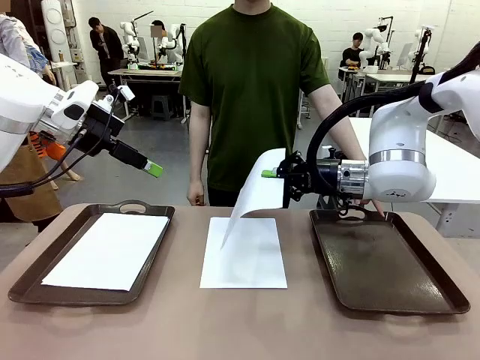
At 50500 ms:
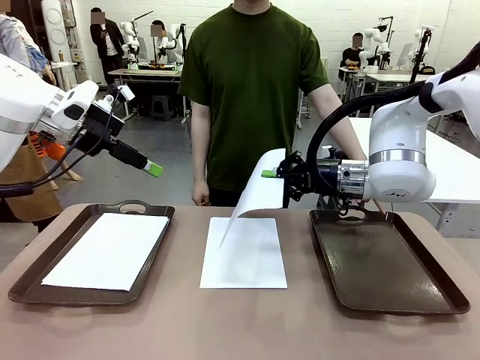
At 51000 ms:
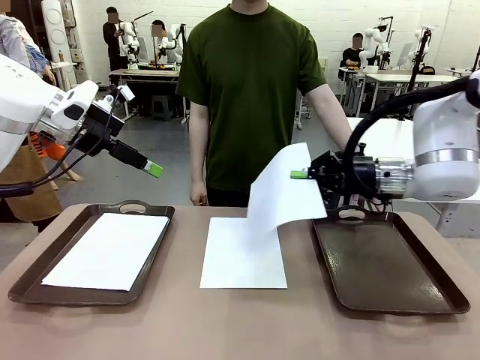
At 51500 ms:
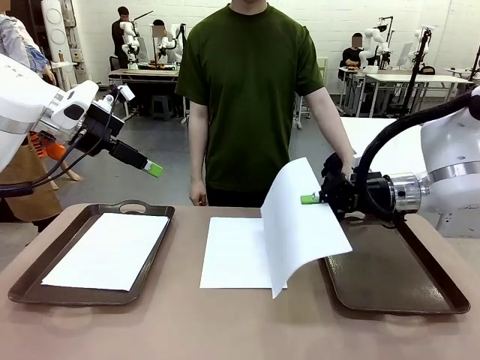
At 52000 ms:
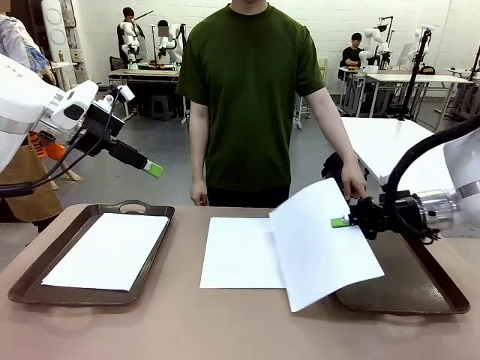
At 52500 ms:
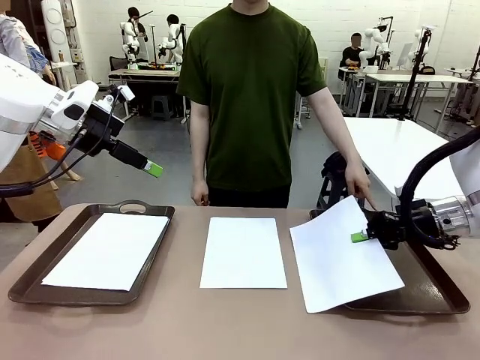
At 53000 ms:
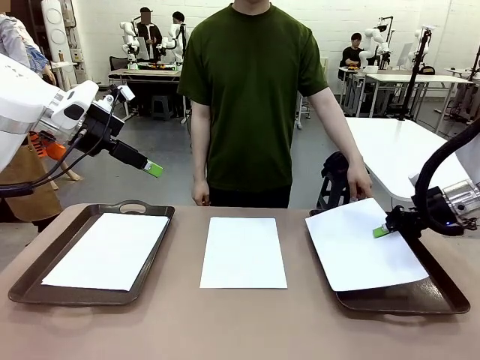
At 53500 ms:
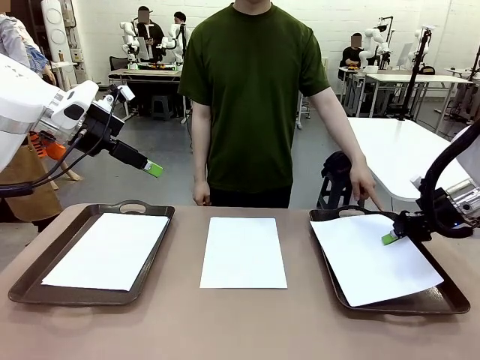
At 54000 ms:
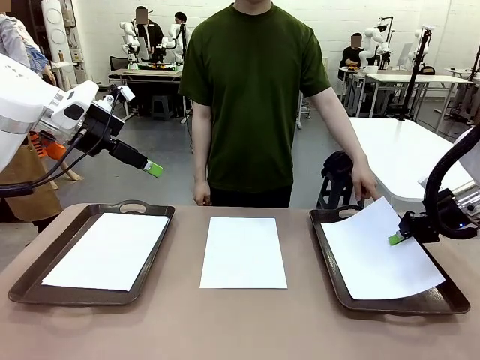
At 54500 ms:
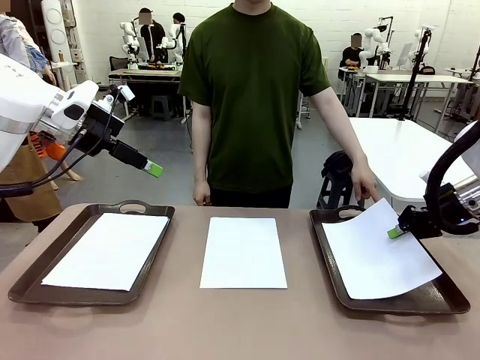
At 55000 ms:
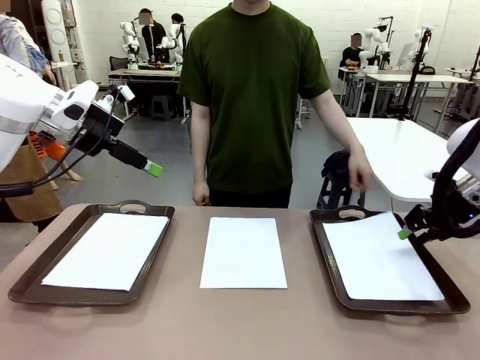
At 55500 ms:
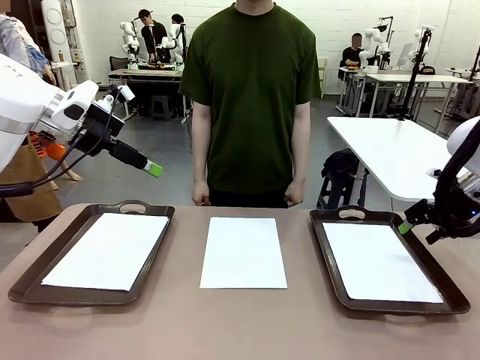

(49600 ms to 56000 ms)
Task: Sort the A4 documents.
Robot: Place the A4 Paper in the designated Handle tray.

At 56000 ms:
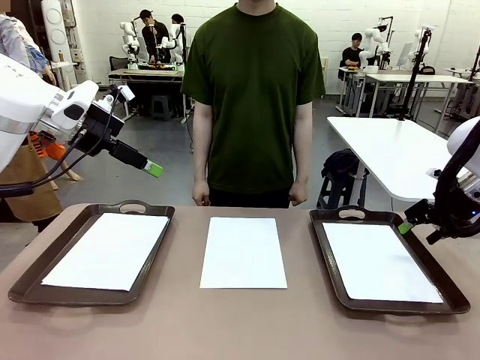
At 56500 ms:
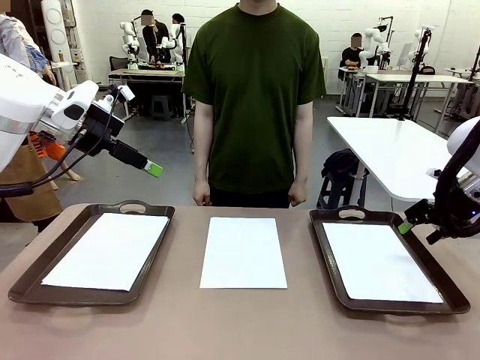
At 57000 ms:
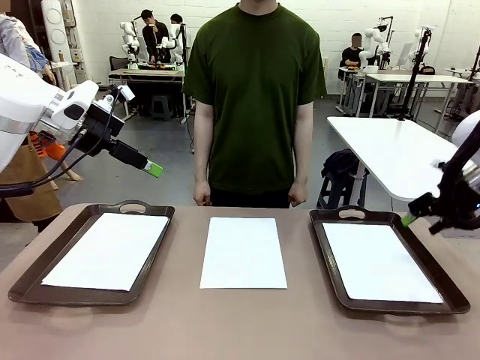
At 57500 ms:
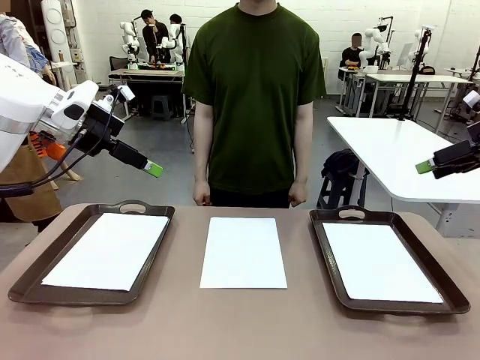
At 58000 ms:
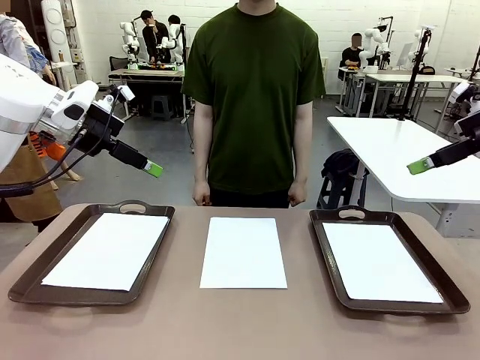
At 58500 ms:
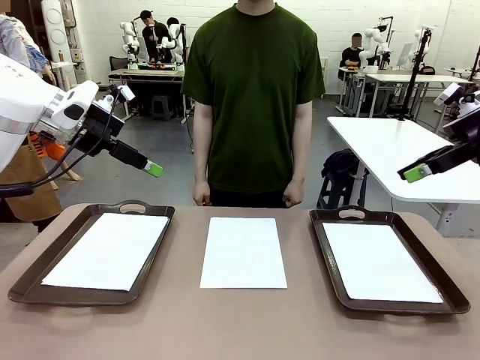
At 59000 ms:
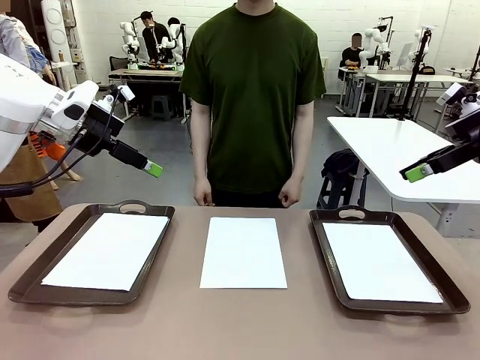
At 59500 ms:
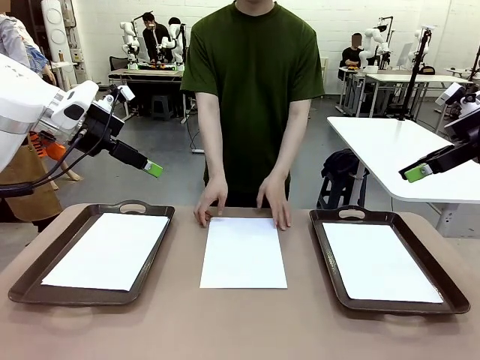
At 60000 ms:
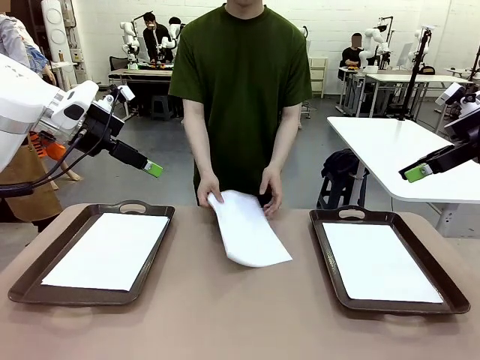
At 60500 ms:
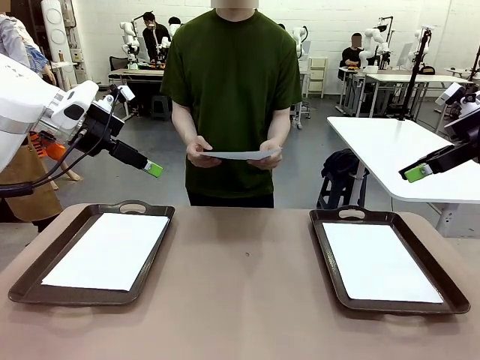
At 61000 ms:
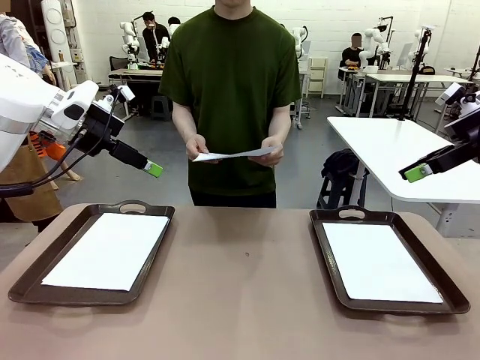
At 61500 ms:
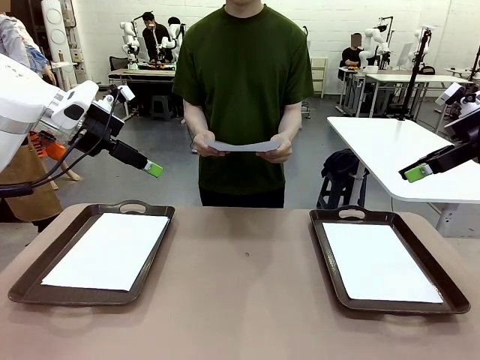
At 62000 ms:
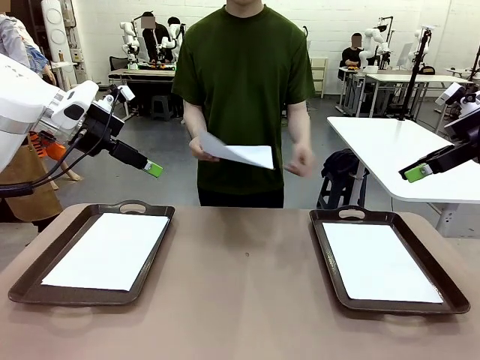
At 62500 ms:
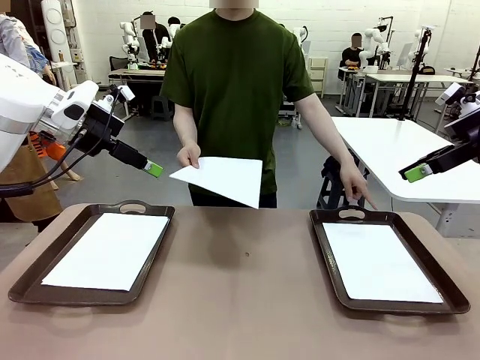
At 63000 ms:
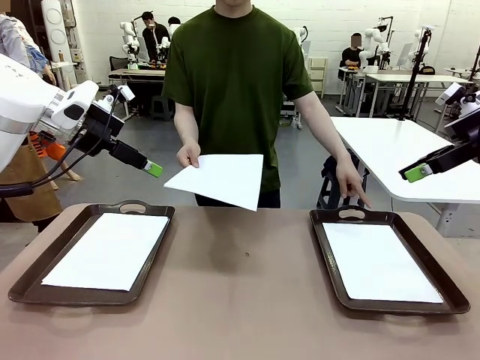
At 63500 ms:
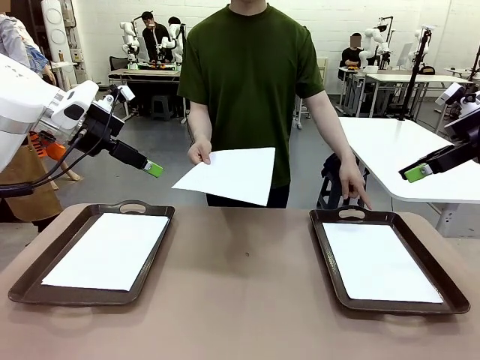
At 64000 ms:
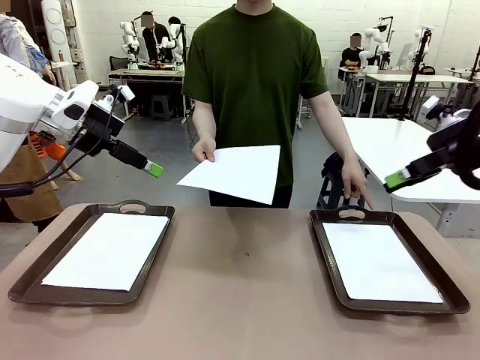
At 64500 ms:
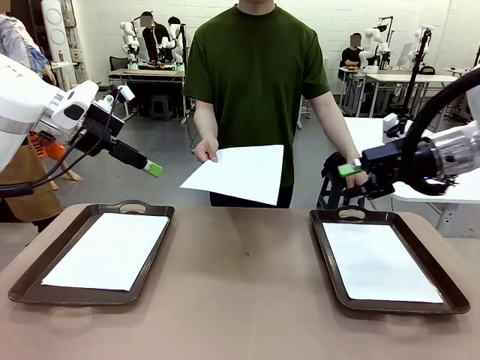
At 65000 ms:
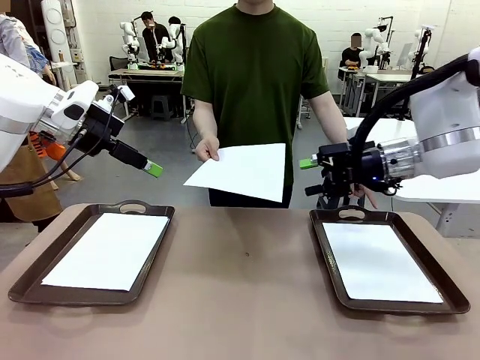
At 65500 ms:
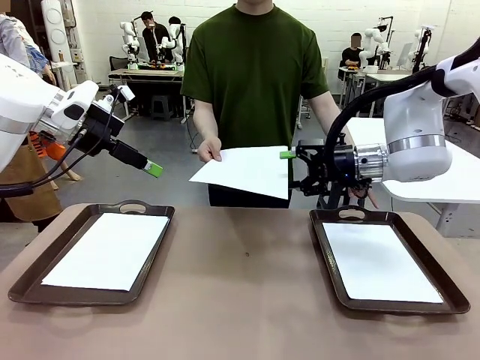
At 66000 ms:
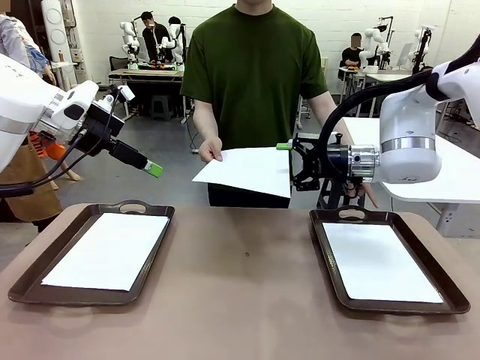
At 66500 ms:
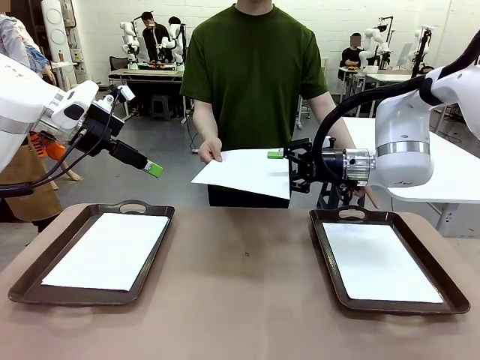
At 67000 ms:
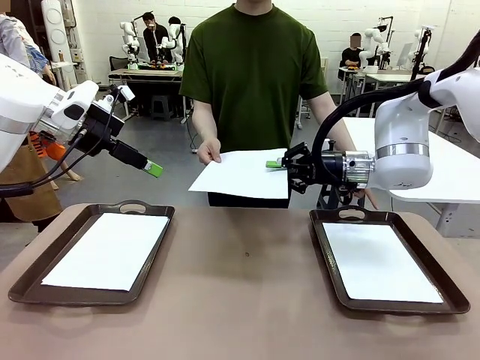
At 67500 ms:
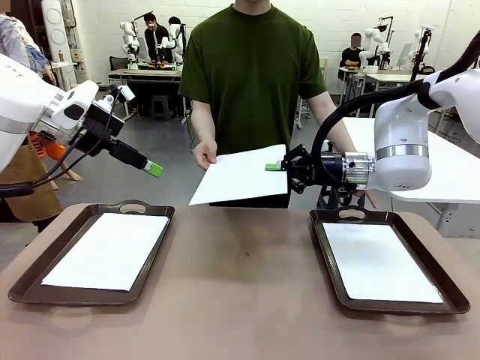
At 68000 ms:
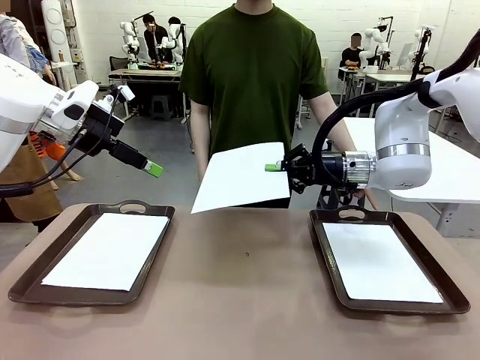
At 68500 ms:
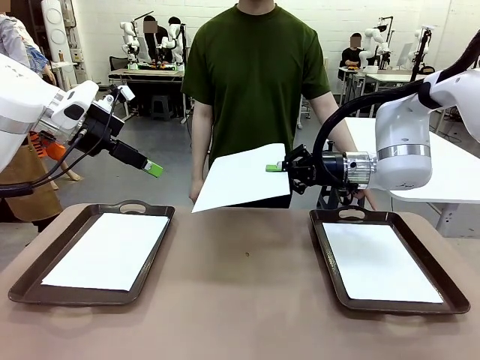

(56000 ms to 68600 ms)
Robot: Receive the A4 Paper.
Person: Point the randomly selected tray with the other hand.

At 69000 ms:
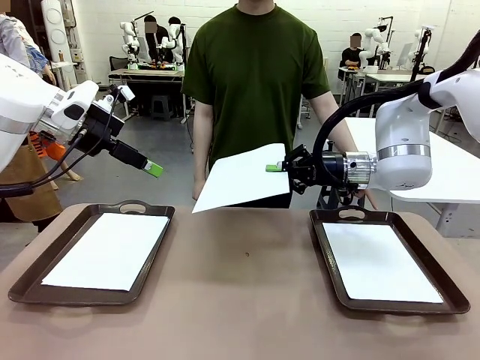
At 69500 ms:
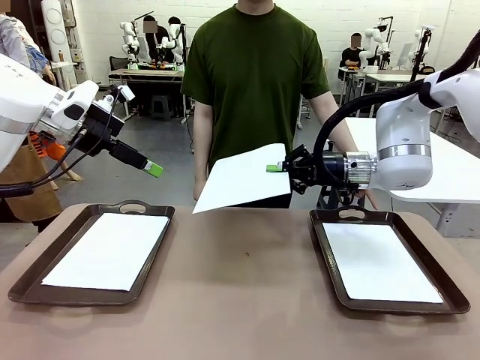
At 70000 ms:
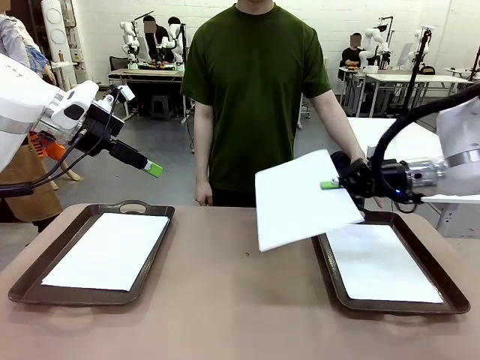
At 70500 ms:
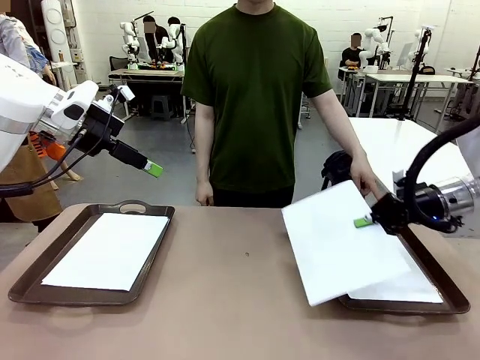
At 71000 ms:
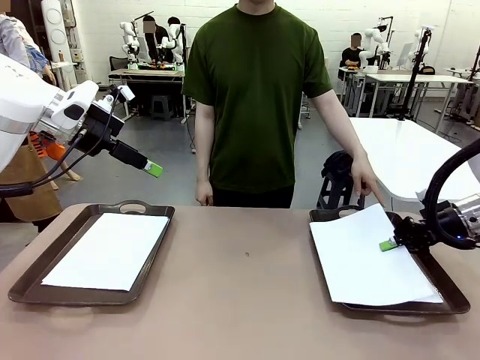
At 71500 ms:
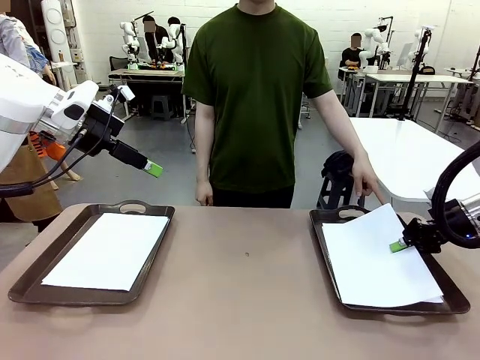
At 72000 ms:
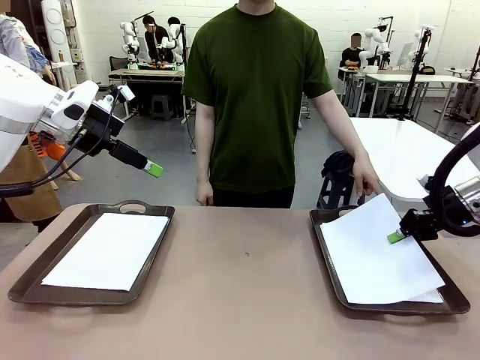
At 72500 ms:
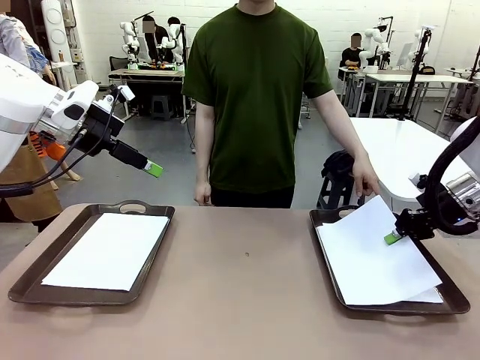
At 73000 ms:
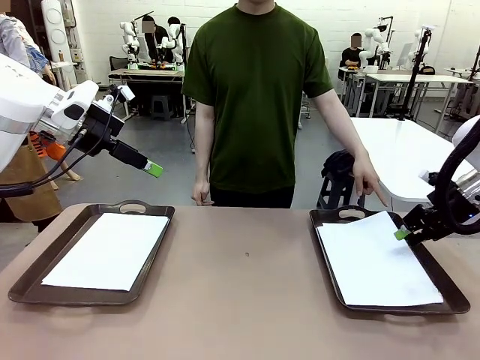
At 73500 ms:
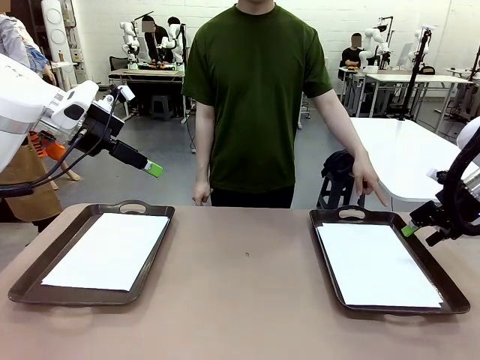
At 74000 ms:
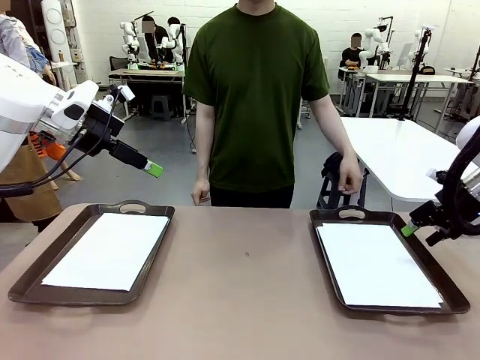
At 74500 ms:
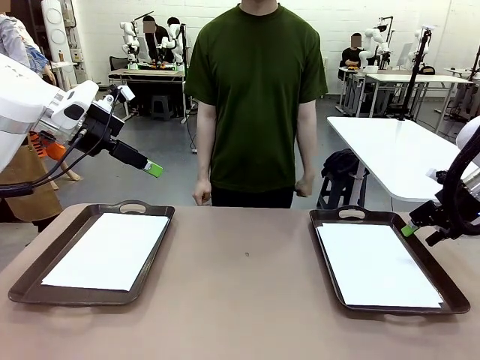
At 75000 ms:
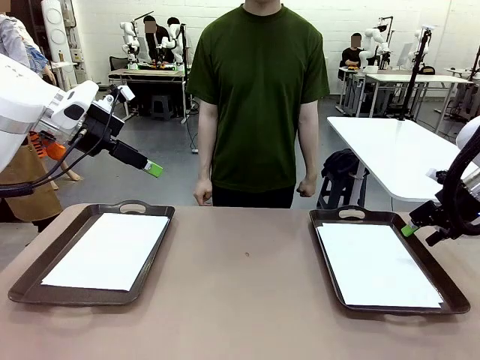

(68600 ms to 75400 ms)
Robot: Place the A4 Paper in the designated Handle tray.
